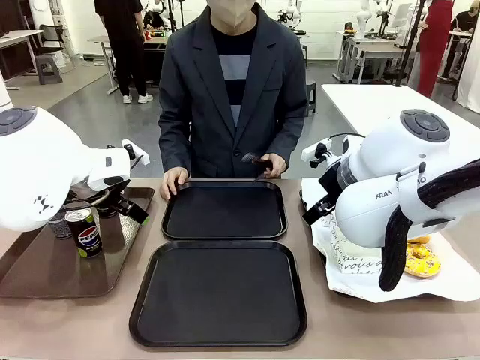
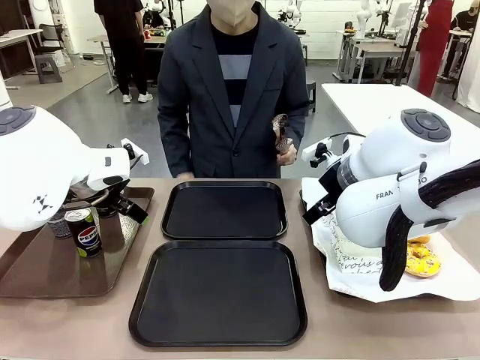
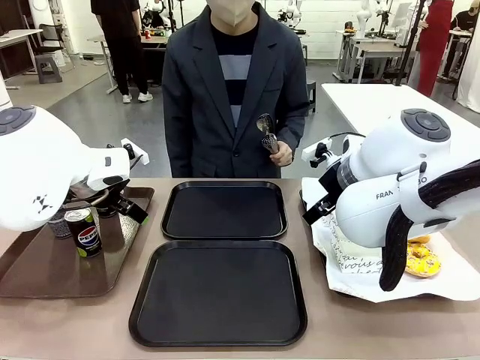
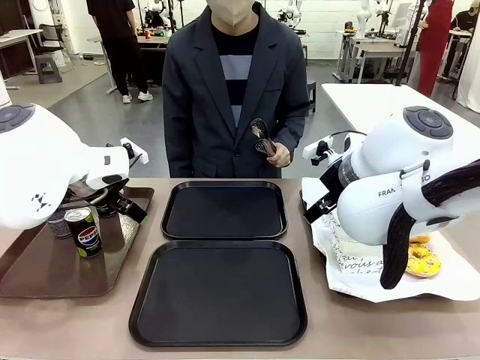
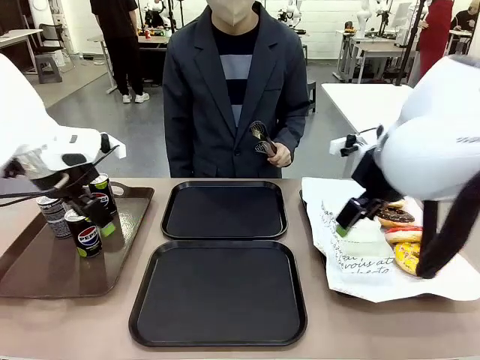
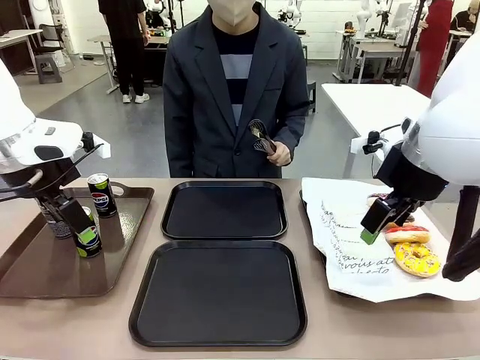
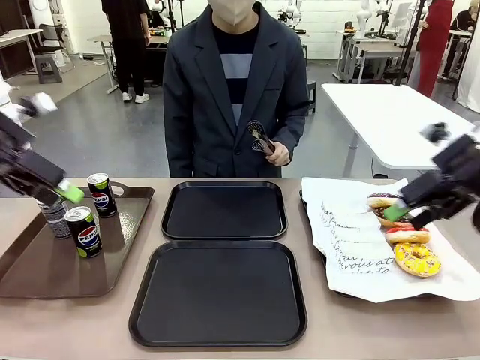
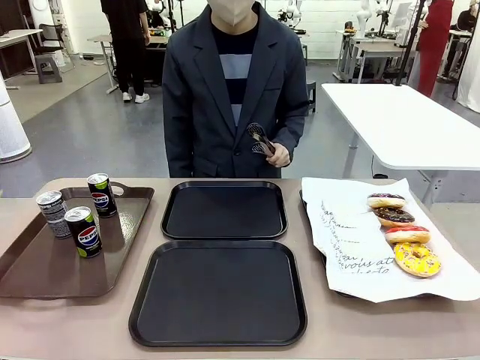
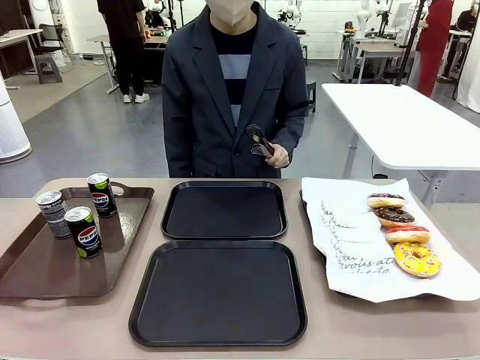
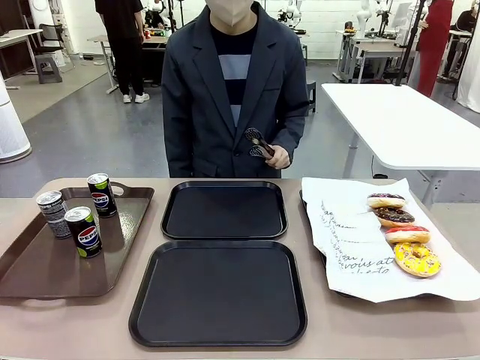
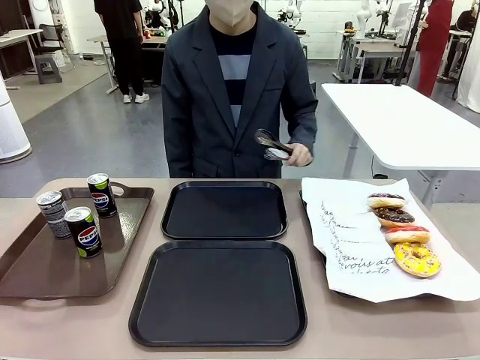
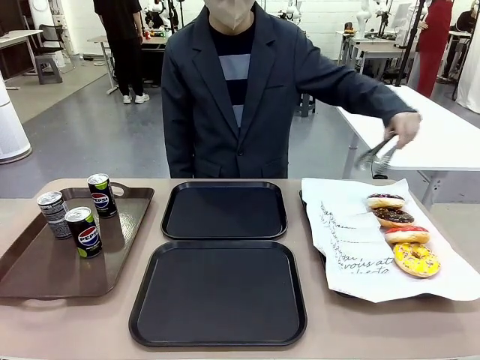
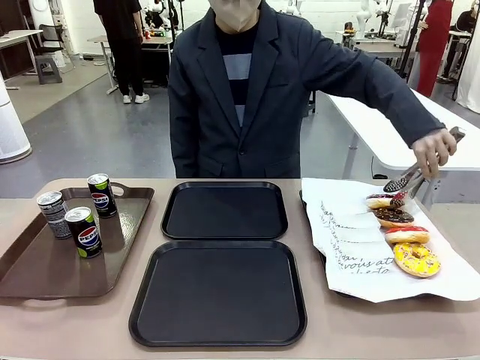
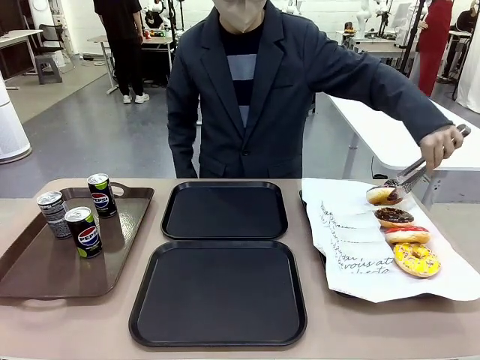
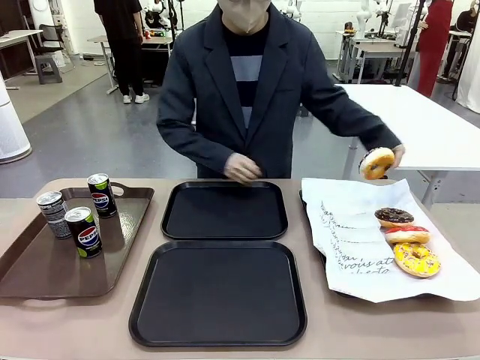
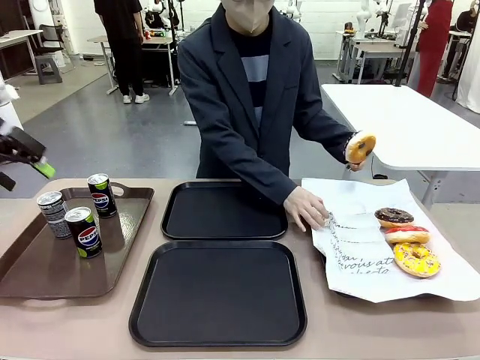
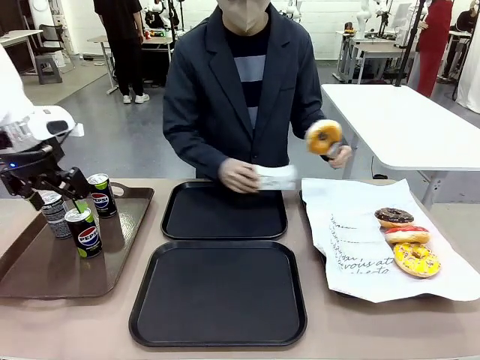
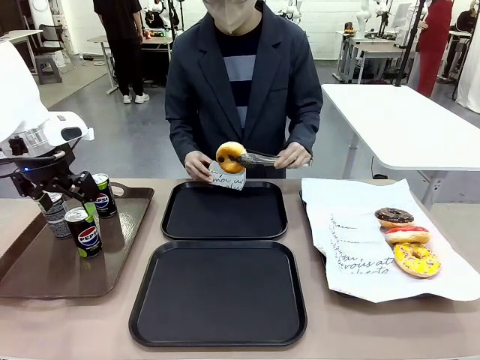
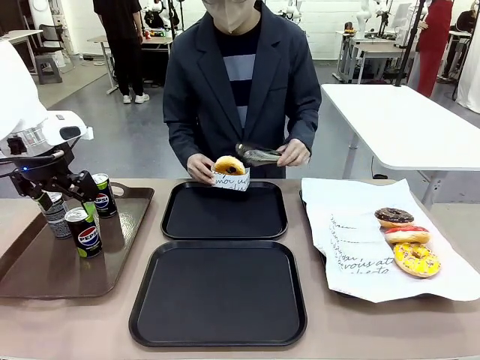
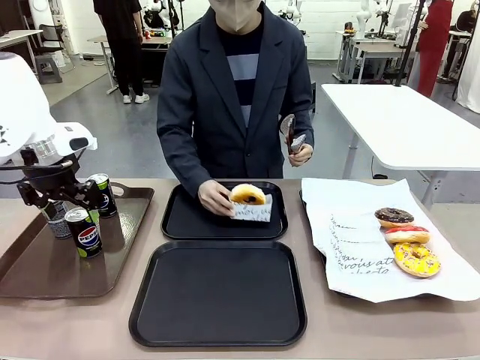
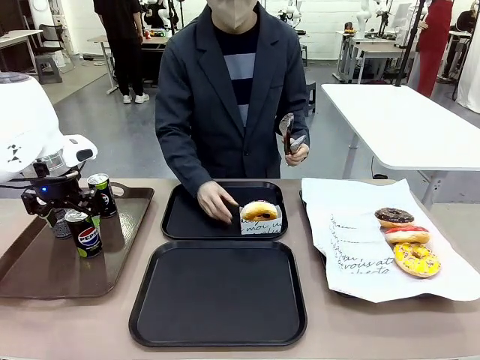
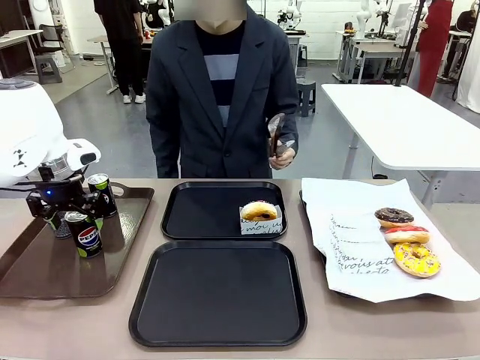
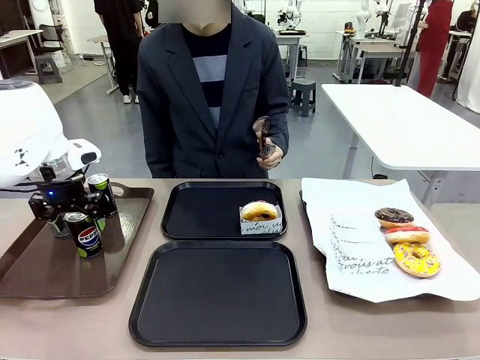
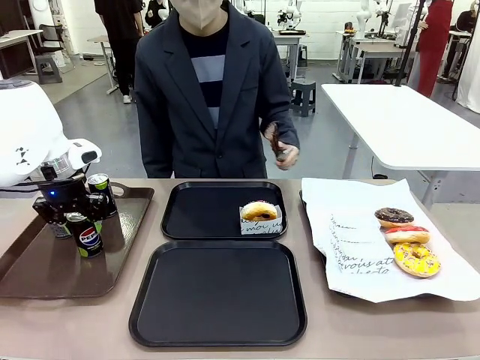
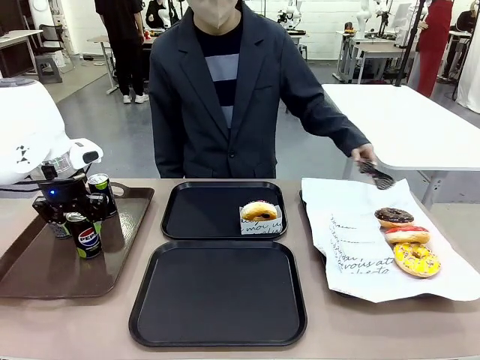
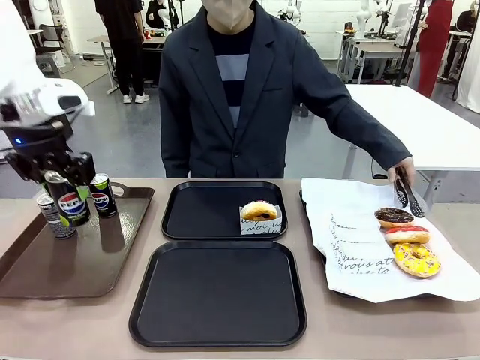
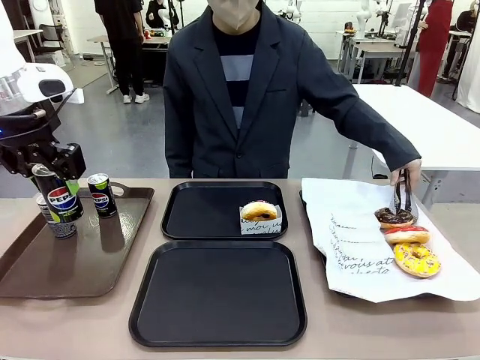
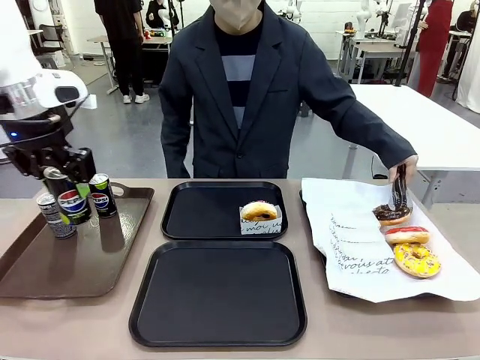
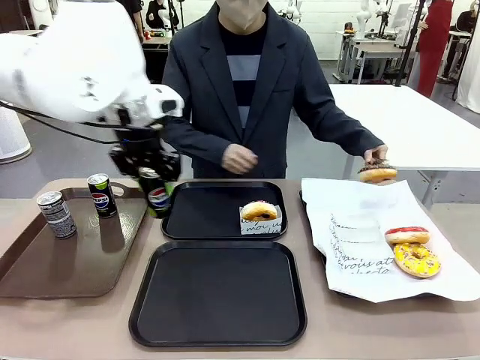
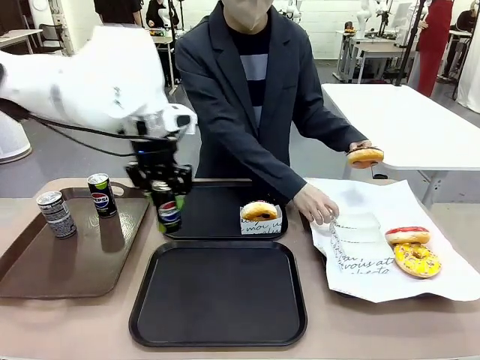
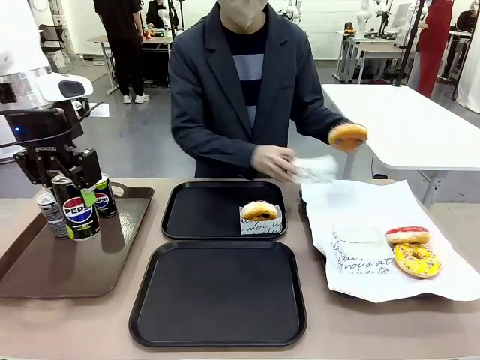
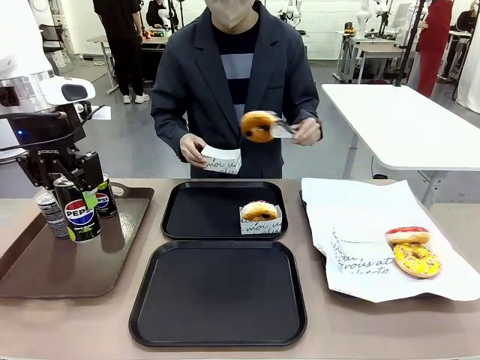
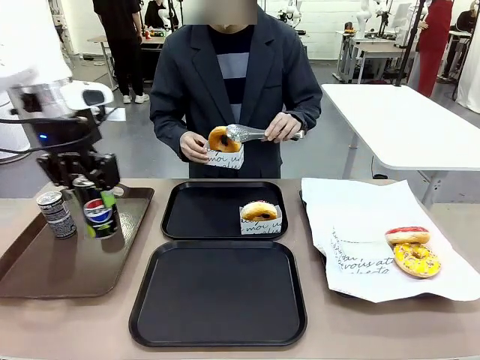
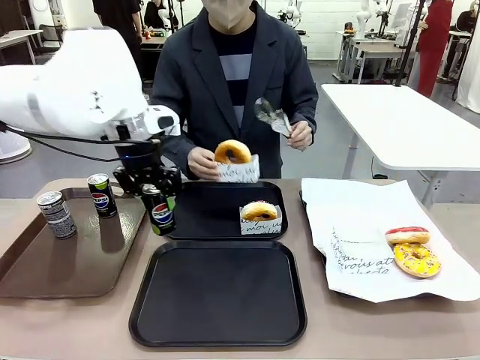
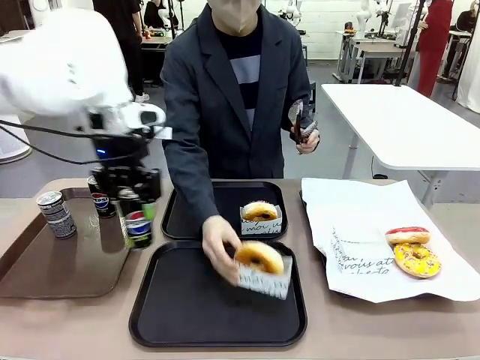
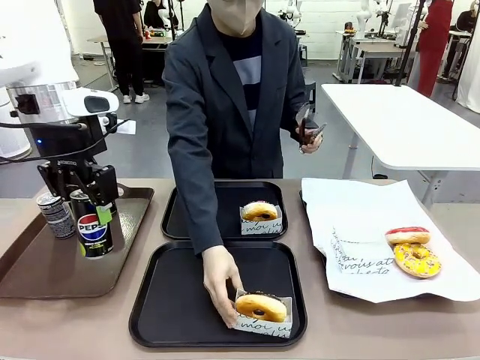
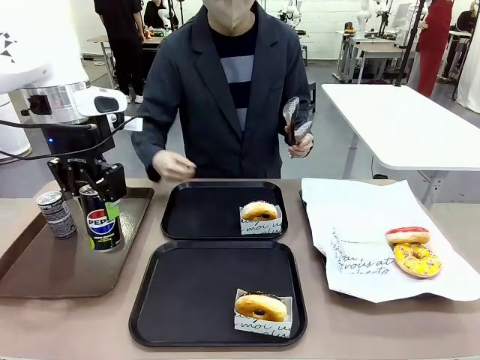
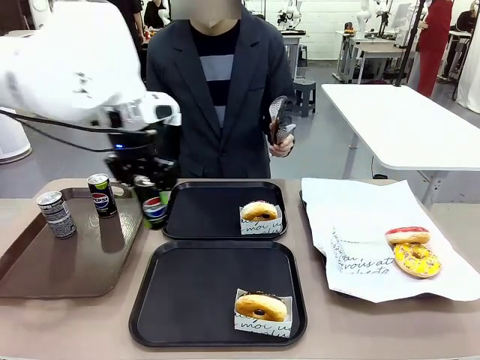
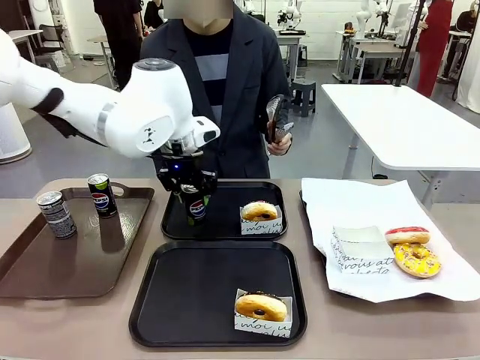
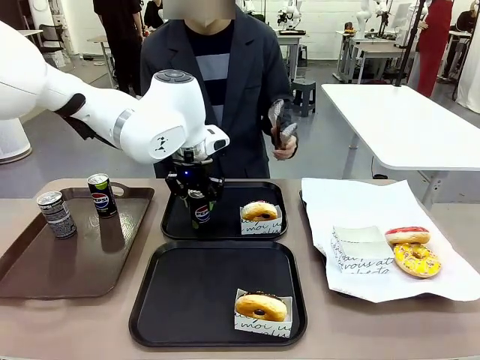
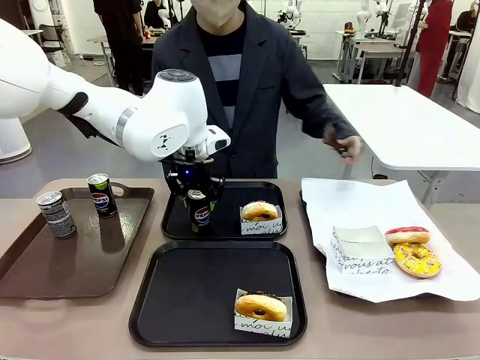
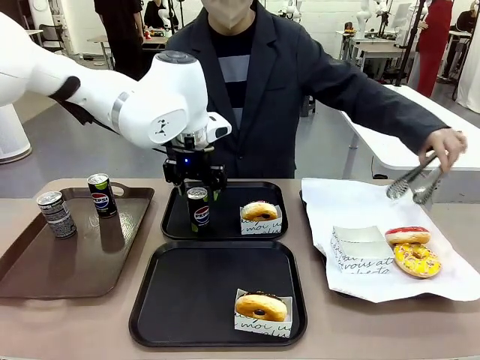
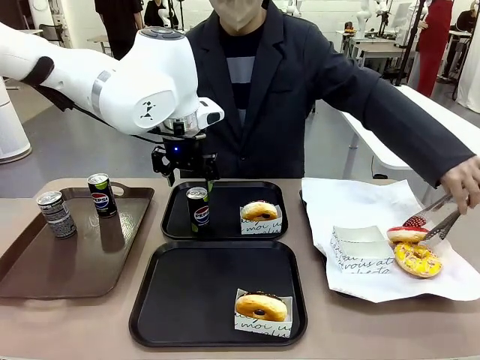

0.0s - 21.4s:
Task: Set up donuts and drinks on trays.
Robot: Pick up one Pepsi coke and place it on the Flat Tray.
Person: Pick up one donut with tongs, place it in the donut tray, and then place the donut tray on the flat tray.
